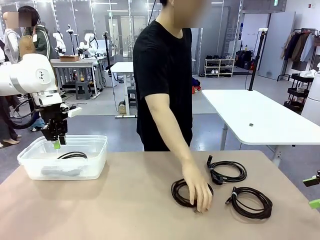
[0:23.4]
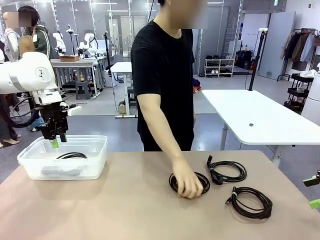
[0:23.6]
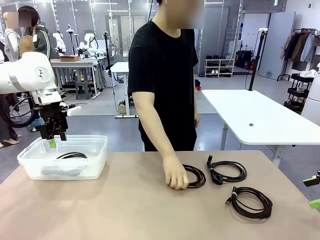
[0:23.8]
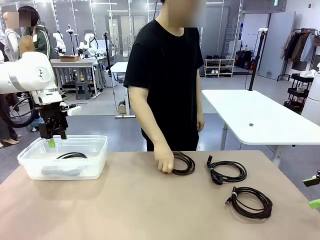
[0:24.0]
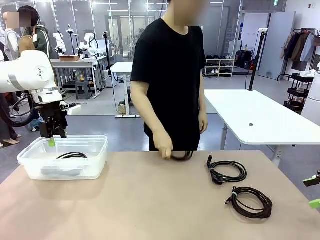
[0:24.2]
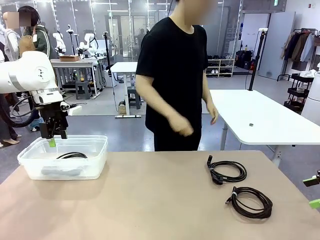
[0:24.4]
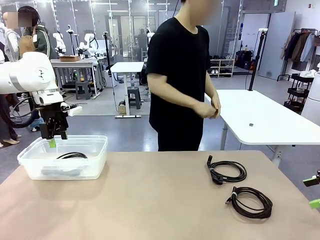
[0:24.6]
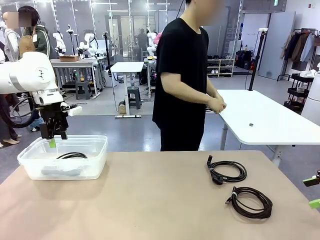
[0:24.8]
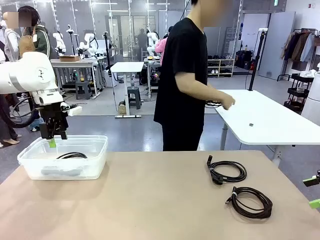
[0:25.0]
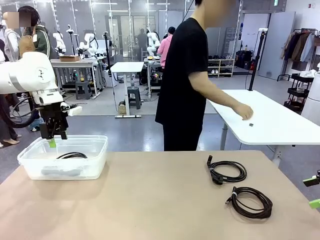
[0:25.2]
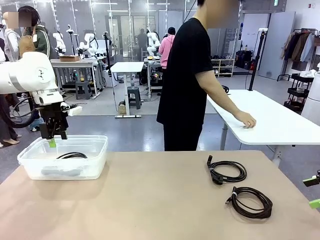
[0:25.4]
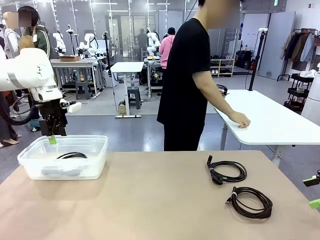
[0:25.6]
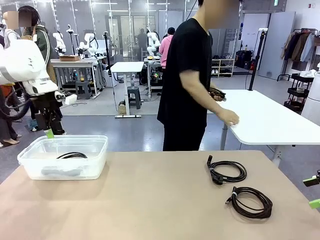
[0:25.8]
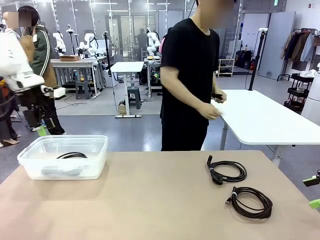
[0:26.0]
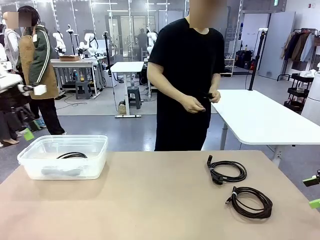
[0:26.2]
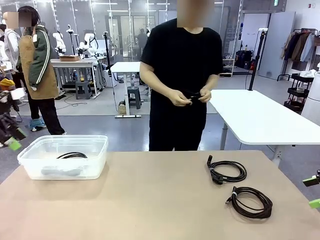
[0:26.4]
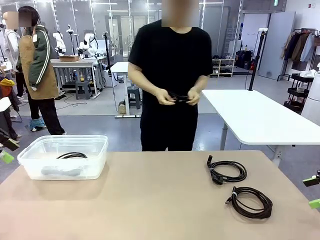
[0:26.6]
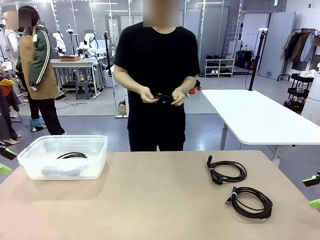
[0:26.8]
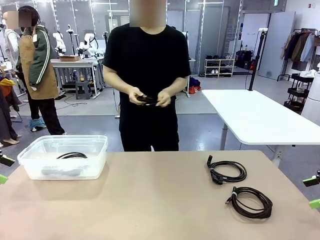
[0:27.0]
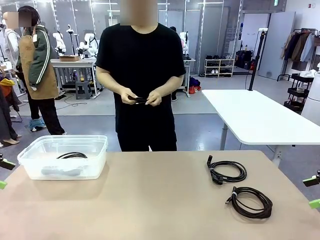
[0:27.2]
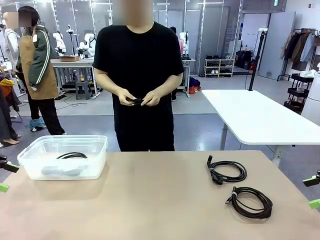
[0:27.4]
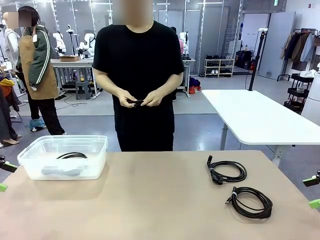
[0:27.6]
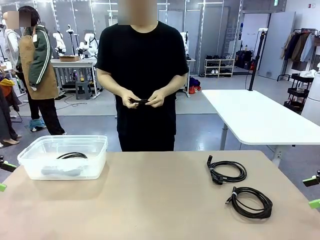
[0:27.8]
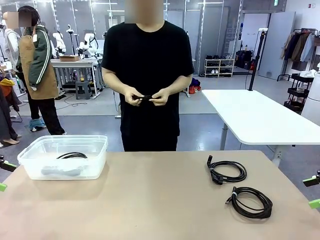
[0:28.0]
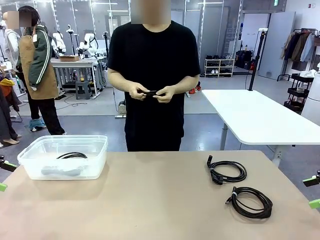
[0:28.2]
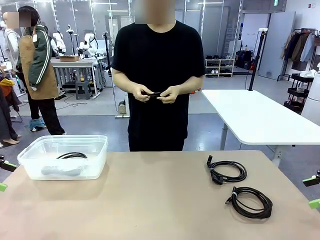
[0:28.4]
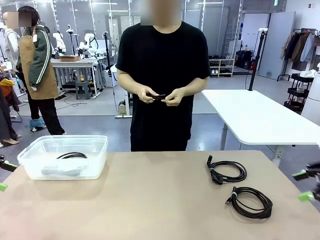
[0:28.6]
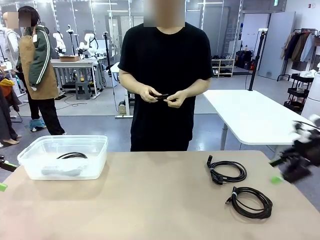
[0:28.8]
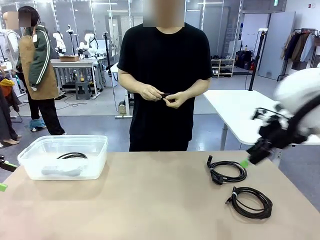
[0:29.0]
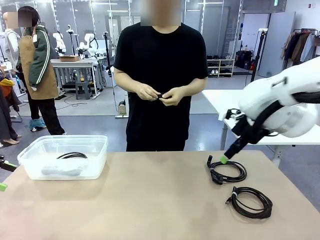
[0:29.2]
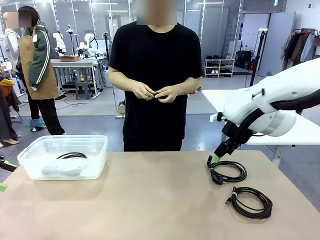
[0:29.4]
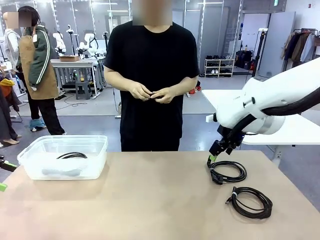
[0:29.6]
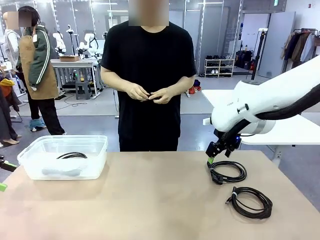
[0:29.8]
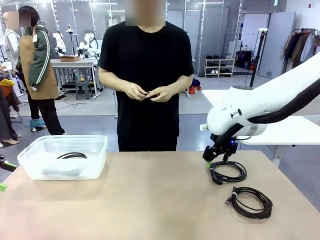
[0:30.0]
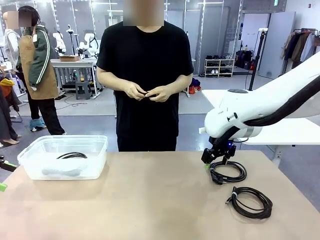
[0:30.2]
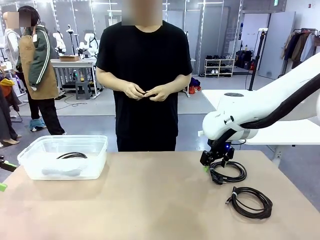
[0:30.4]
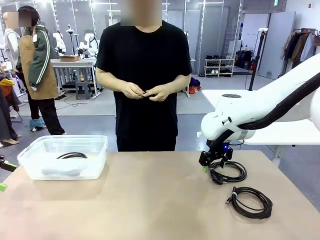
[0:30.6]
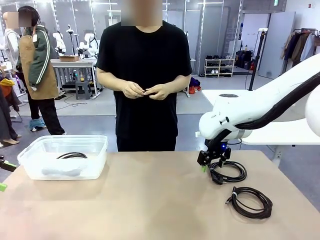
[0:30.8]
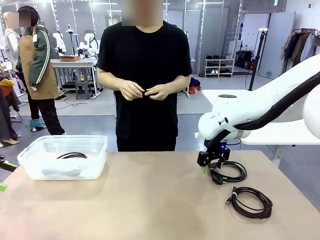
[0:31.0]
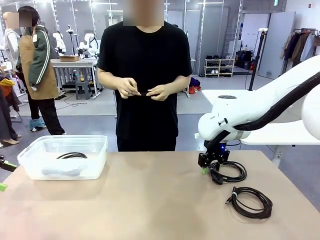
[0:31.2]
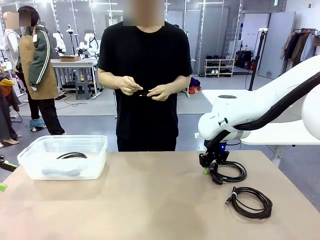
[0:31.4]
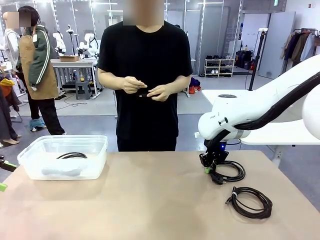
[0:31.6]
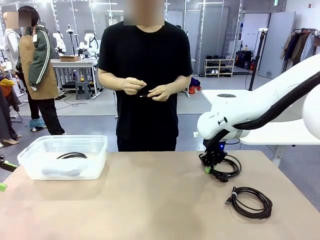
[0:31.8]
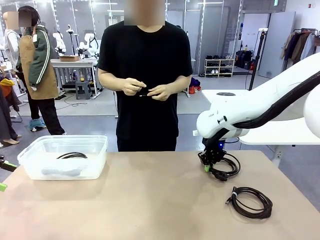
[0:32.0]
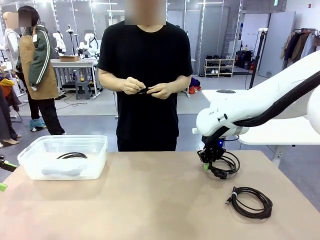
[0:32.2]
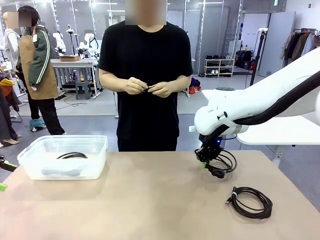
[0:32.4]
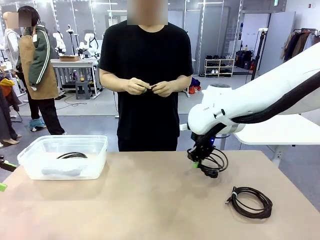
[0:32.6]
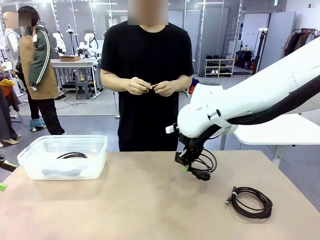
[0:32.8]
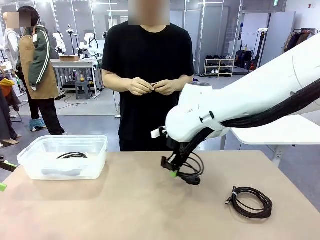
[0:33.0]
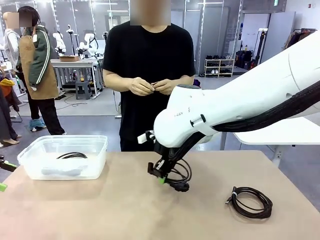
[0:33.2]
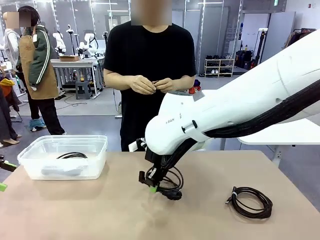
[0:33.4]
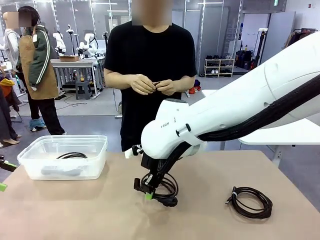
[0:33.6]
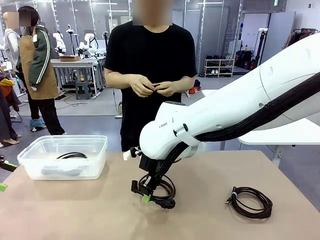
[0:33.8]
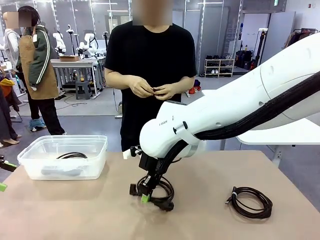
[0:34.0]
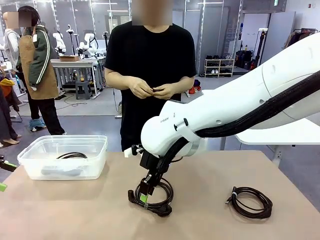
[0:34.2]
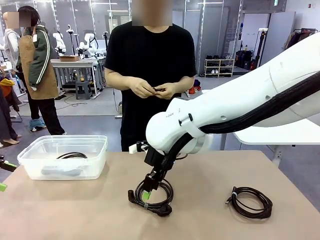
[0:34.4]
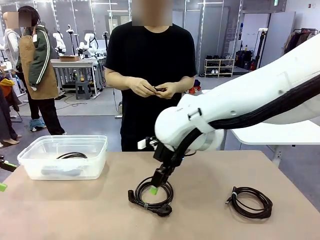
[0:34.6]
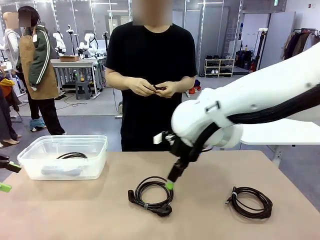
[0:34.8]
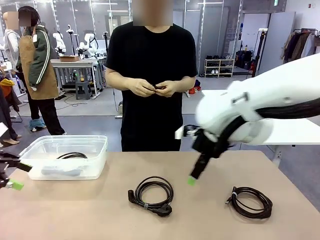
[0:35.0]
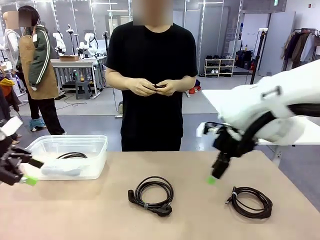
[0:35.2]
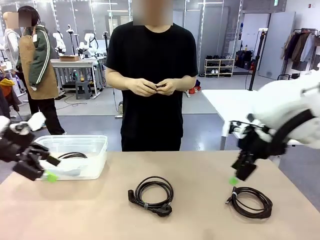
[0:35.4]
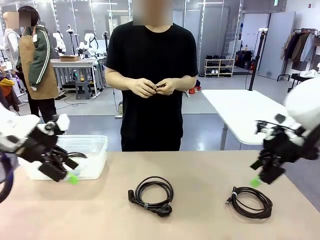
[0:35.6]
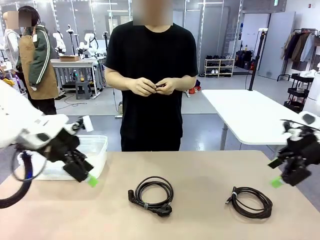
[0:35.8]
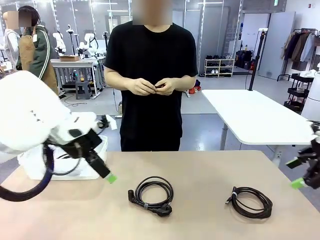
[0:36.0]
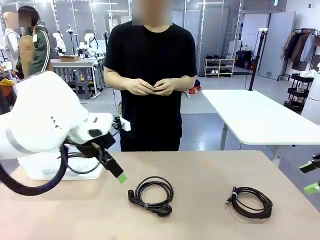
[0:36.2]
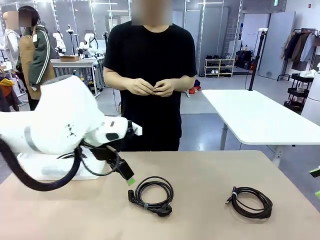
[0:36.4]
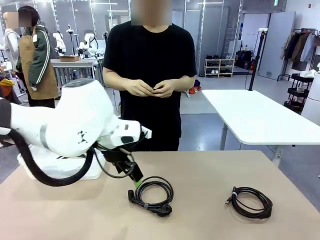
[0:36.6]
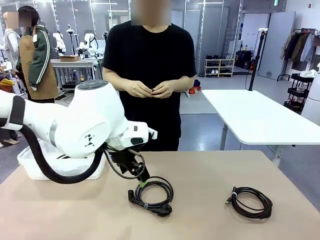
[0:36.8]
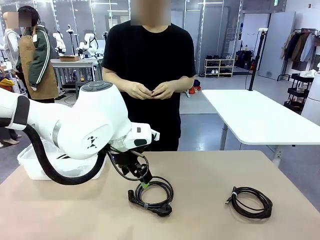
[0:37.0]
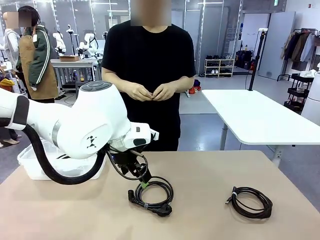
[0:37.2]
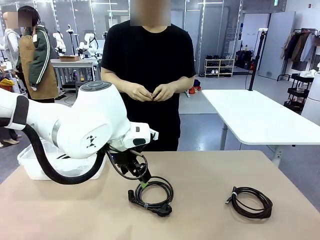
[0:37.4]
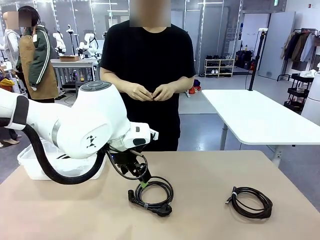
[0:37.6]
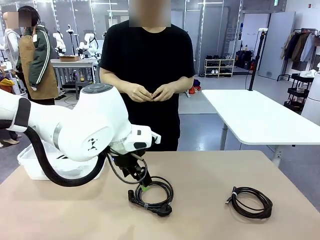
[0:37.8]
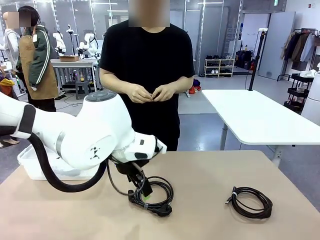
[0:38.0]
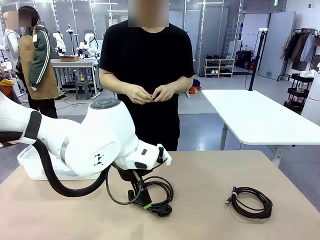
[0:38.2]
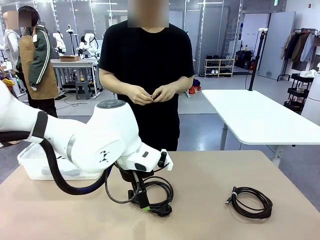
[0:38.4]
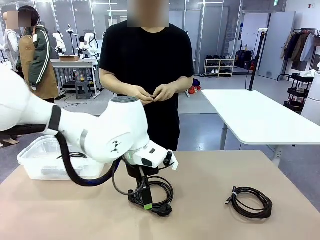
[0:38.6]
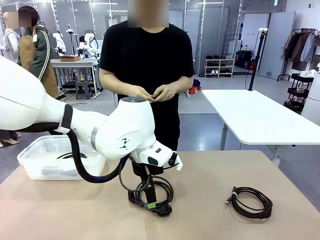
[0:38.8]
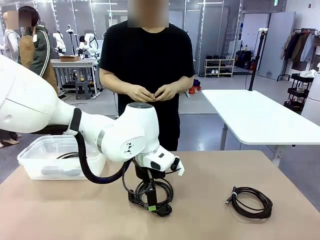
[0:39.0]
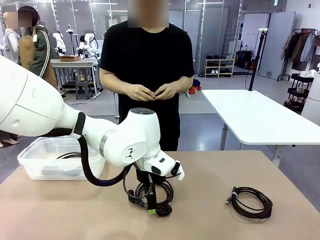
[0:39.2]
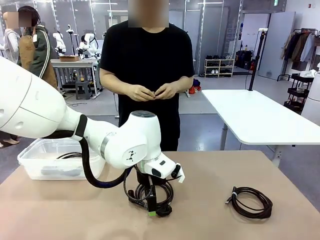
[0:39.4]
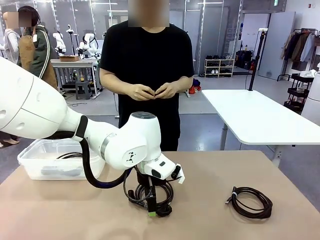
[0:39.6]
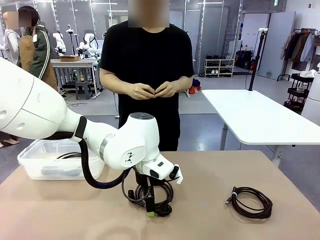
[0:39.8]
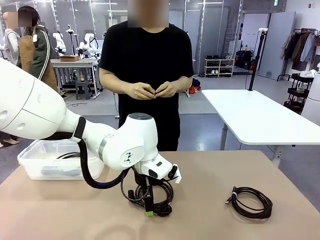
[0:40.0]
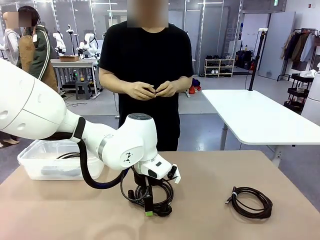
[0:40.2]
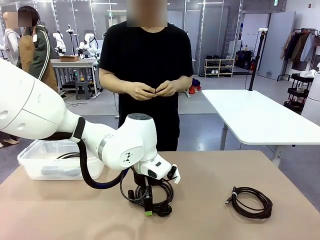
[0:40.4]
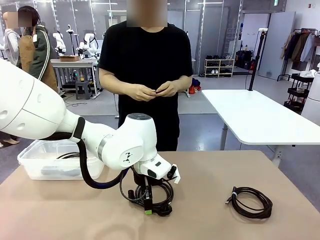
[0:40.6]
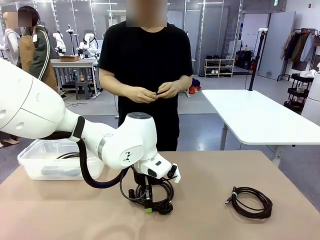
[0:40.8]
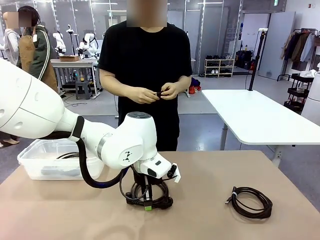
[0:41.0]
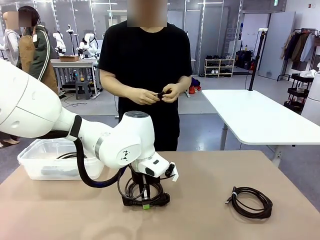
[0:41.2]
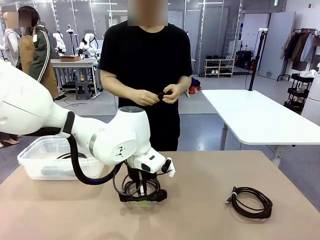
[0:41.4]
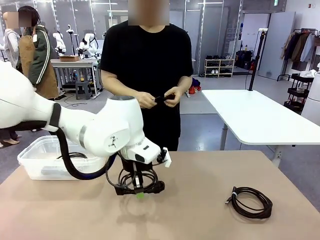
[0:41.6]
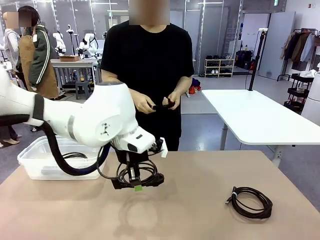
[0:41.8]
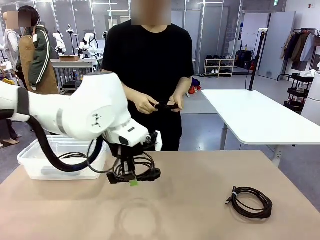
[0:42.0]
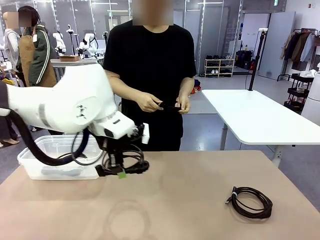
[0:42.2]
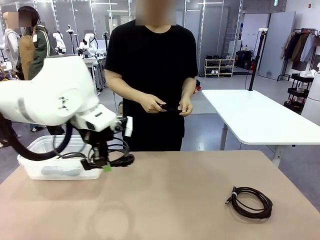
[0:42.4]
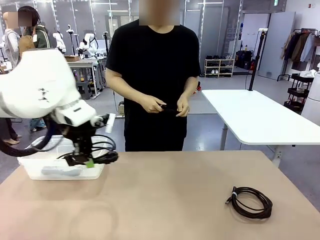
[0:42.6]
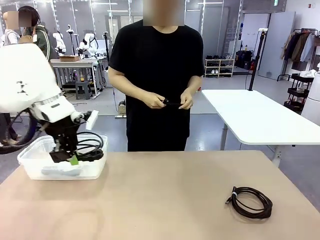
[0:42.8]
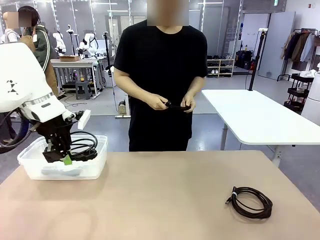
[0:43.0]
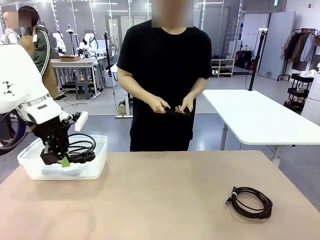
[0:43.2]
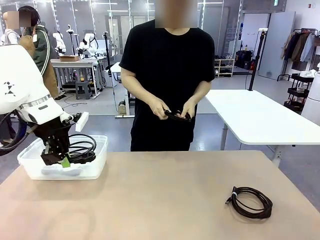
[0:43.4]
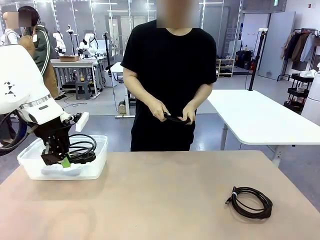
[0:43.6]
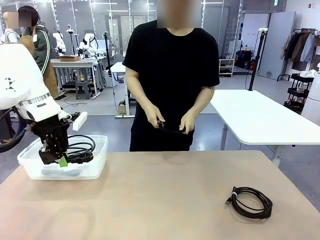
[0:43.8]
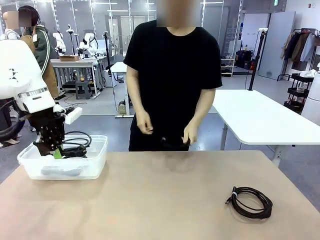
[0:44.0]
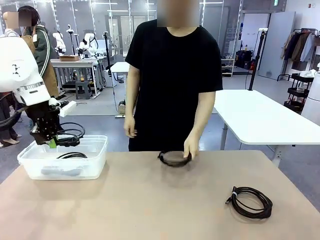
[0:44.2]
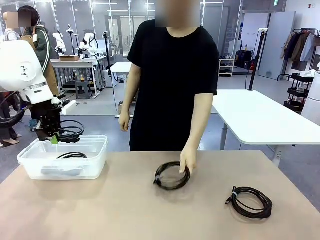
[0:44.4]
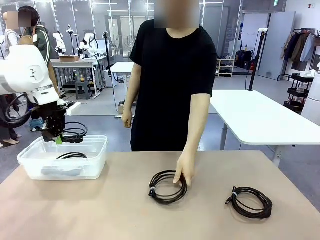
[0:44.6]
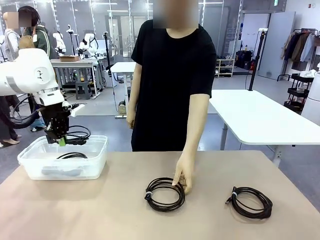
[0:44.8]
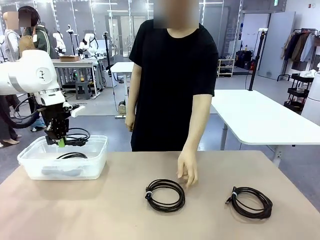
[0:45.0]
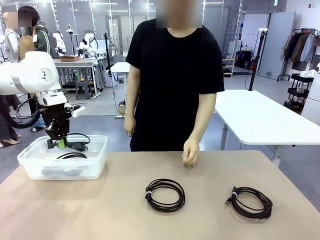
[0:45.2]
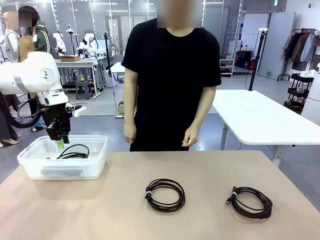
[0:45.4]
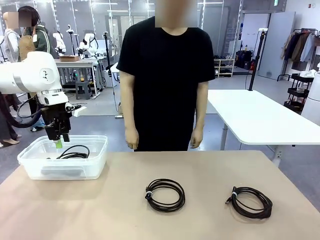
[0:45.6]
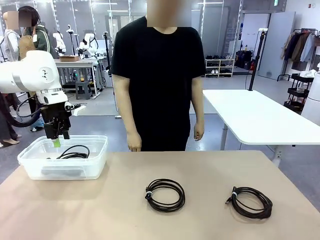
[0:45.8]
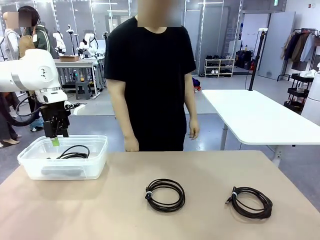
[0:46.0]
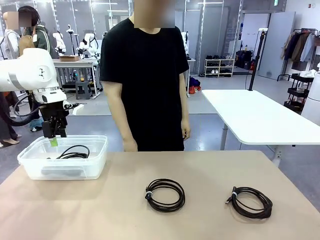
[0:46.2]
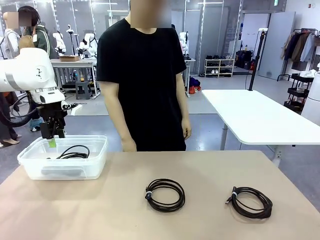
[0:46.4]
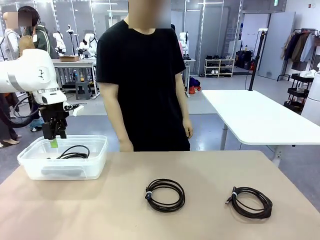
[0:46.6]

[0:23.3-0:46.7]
Task: Organize and store the cables.
Robot: Place the Power Cable into the Organizing box.
